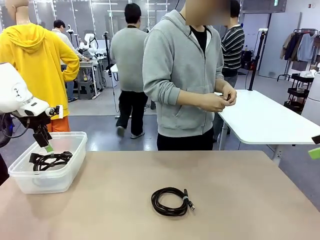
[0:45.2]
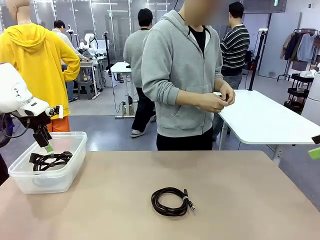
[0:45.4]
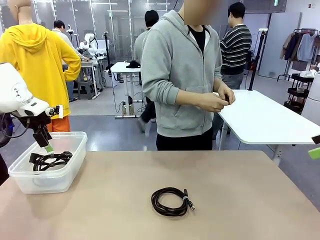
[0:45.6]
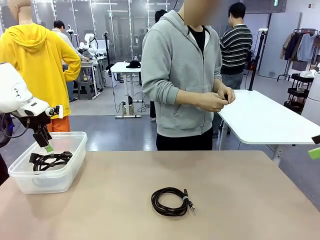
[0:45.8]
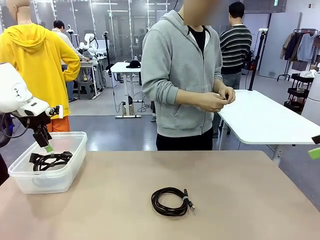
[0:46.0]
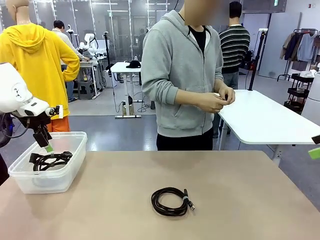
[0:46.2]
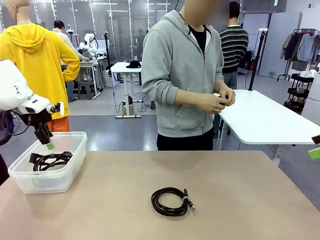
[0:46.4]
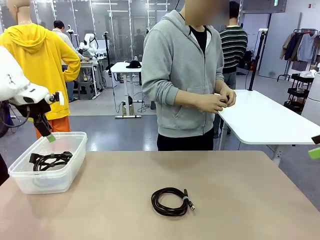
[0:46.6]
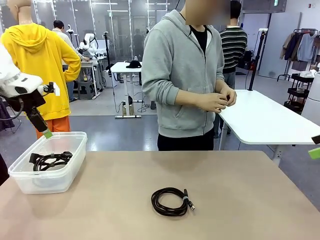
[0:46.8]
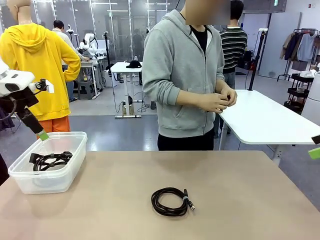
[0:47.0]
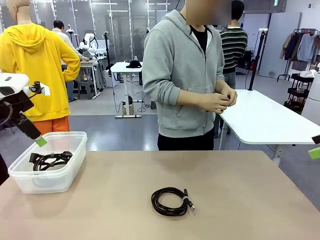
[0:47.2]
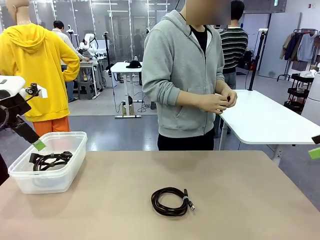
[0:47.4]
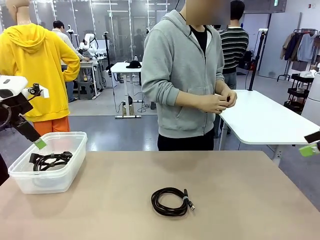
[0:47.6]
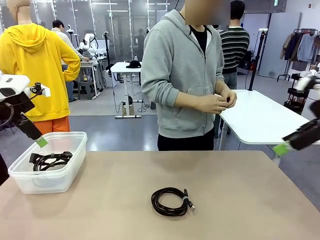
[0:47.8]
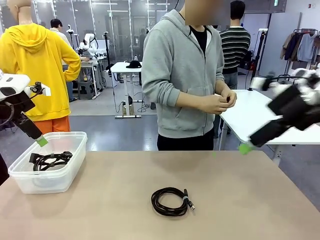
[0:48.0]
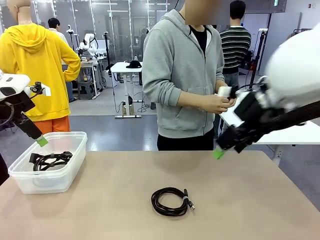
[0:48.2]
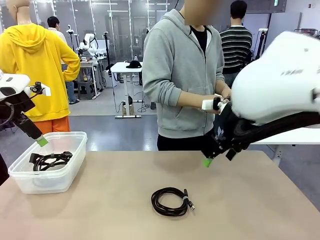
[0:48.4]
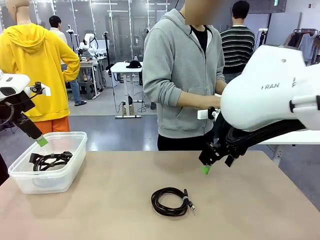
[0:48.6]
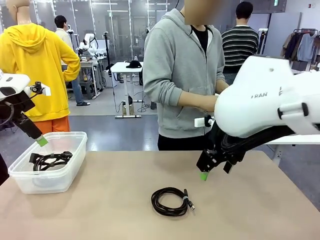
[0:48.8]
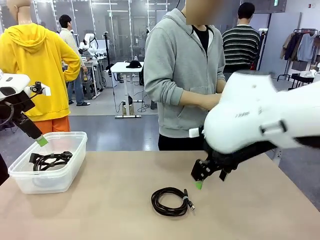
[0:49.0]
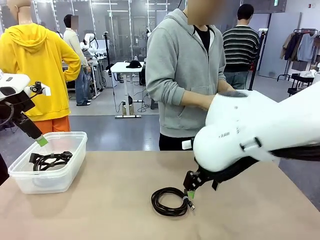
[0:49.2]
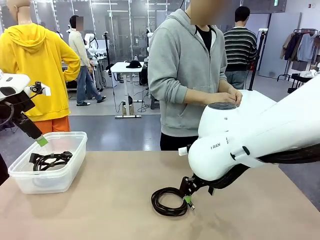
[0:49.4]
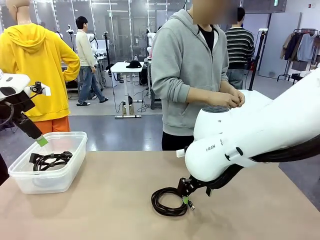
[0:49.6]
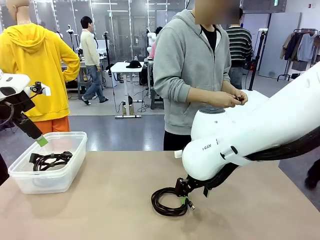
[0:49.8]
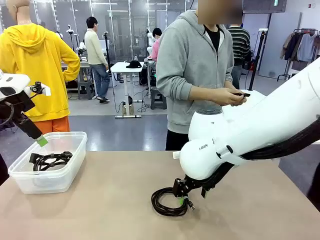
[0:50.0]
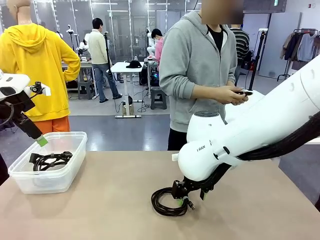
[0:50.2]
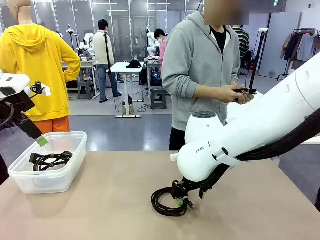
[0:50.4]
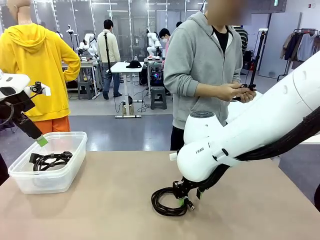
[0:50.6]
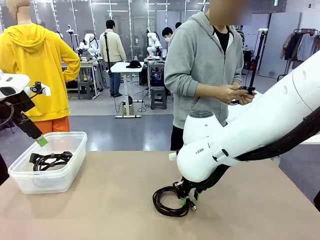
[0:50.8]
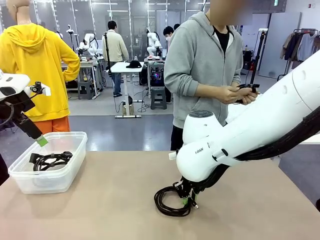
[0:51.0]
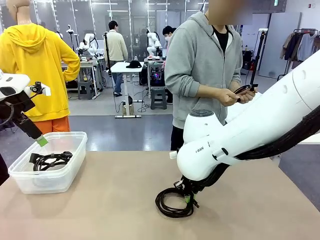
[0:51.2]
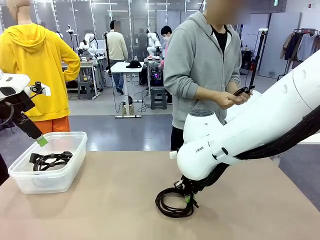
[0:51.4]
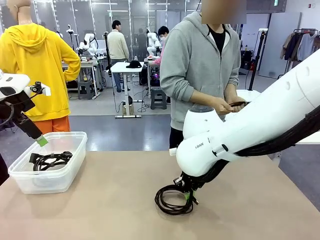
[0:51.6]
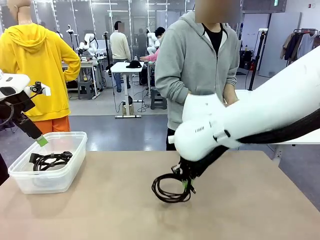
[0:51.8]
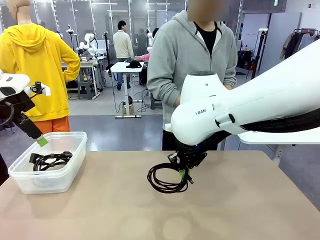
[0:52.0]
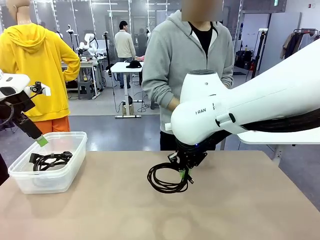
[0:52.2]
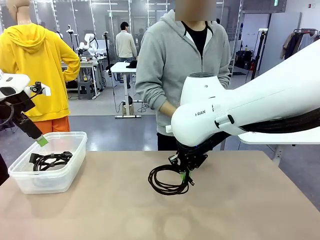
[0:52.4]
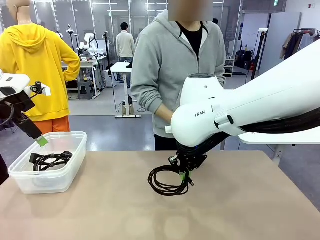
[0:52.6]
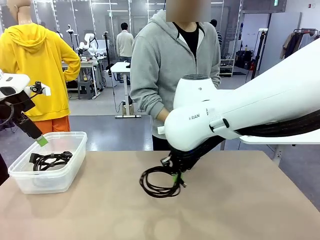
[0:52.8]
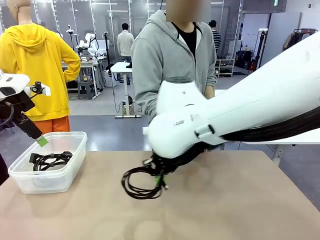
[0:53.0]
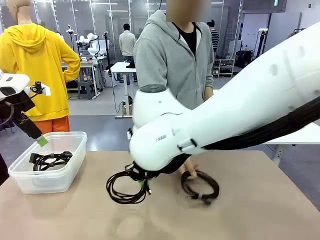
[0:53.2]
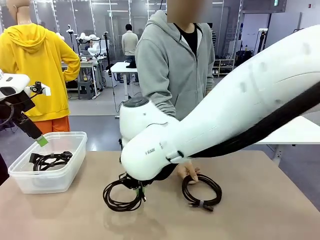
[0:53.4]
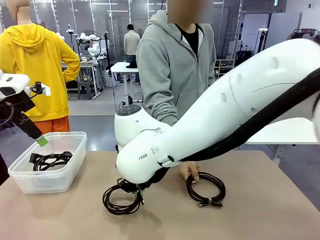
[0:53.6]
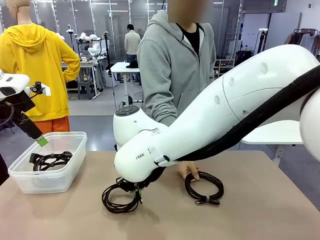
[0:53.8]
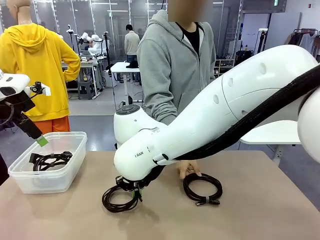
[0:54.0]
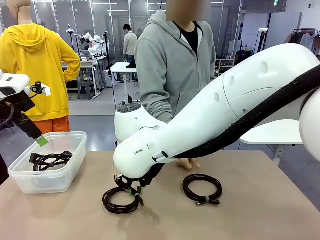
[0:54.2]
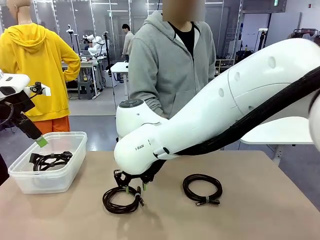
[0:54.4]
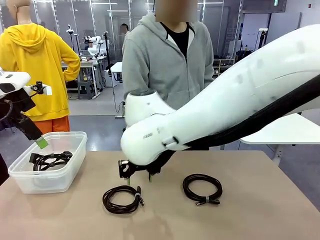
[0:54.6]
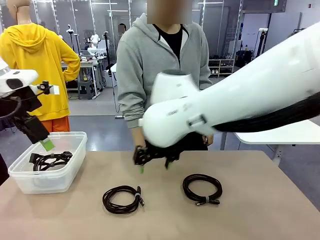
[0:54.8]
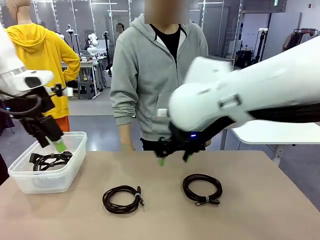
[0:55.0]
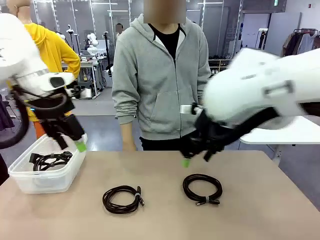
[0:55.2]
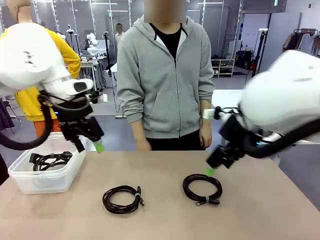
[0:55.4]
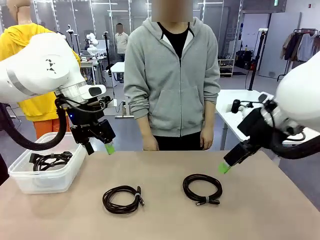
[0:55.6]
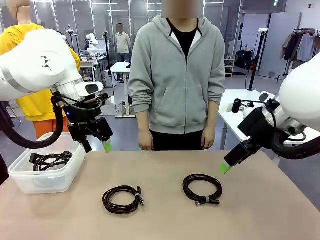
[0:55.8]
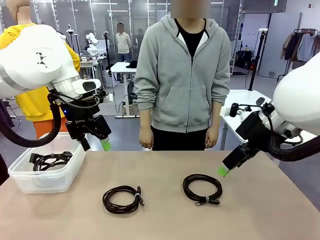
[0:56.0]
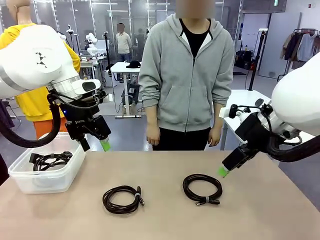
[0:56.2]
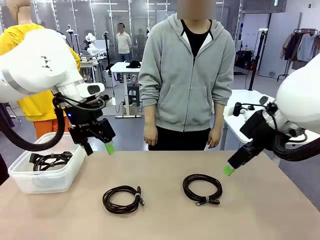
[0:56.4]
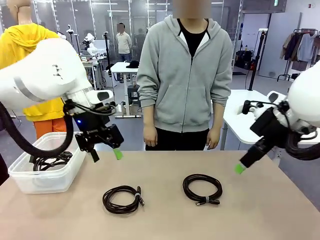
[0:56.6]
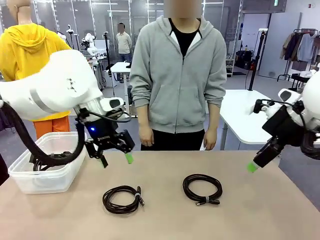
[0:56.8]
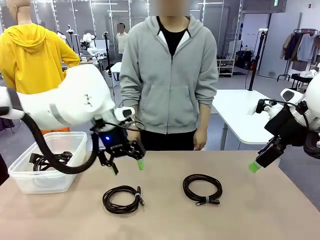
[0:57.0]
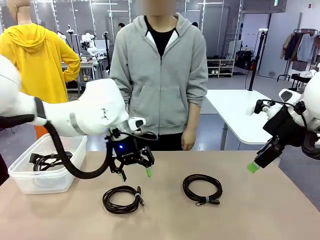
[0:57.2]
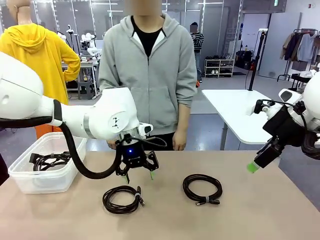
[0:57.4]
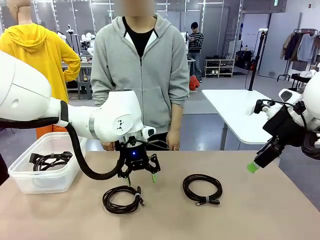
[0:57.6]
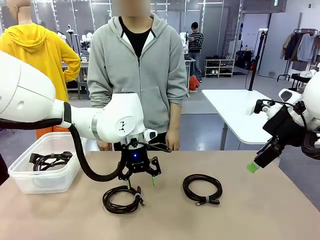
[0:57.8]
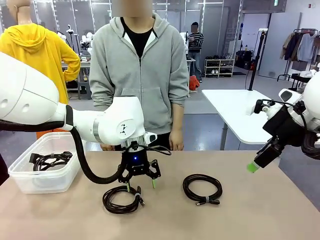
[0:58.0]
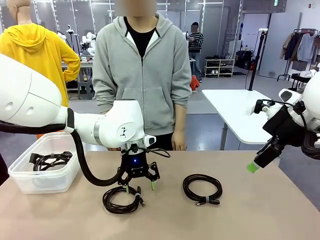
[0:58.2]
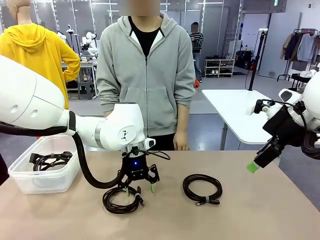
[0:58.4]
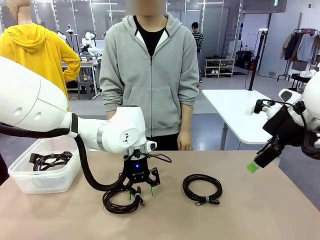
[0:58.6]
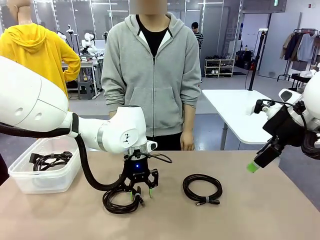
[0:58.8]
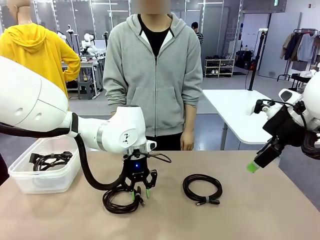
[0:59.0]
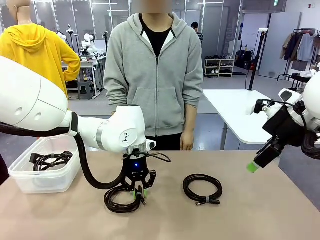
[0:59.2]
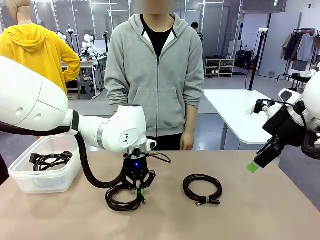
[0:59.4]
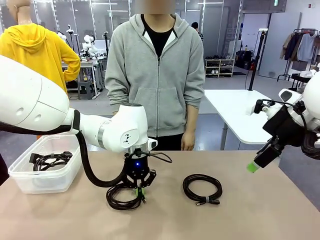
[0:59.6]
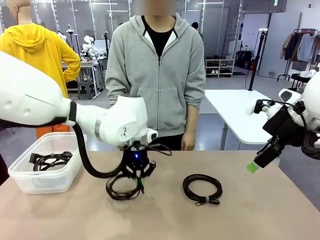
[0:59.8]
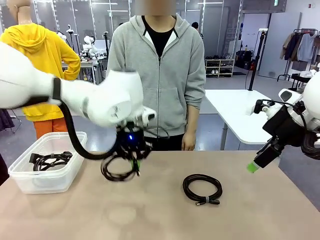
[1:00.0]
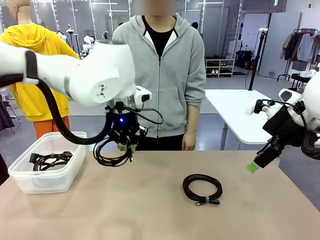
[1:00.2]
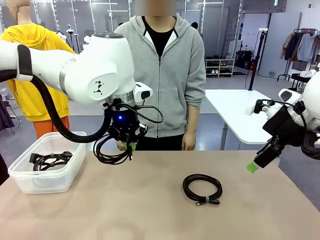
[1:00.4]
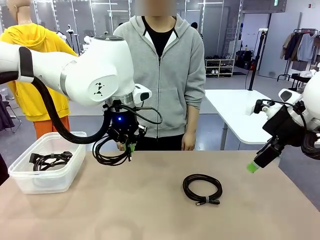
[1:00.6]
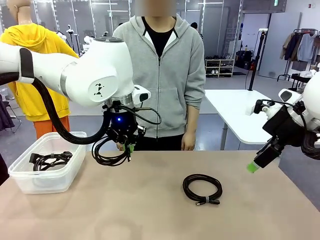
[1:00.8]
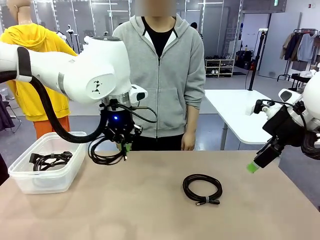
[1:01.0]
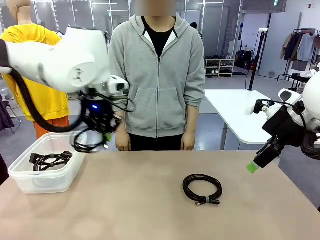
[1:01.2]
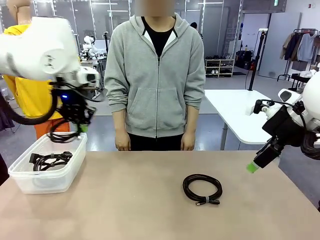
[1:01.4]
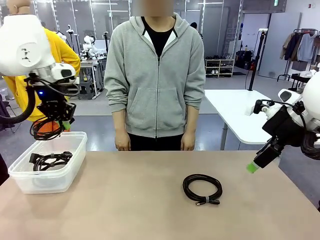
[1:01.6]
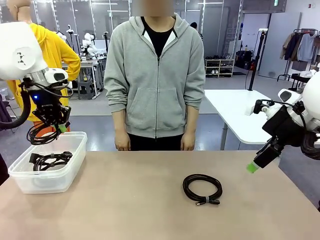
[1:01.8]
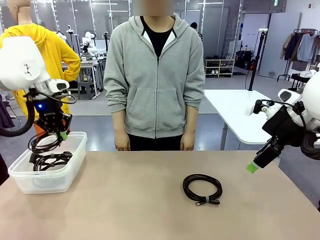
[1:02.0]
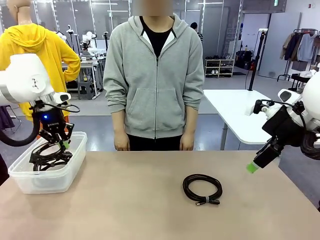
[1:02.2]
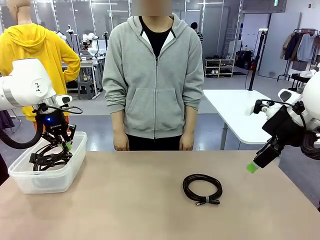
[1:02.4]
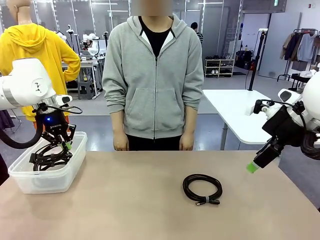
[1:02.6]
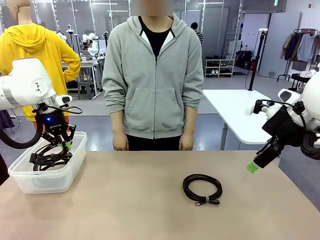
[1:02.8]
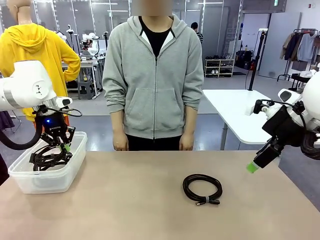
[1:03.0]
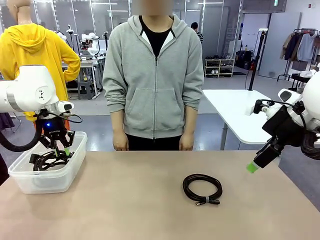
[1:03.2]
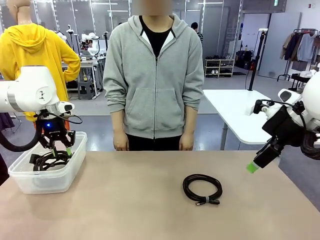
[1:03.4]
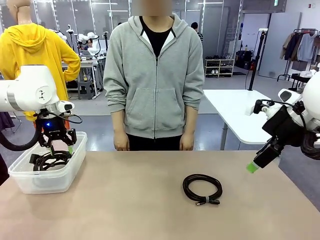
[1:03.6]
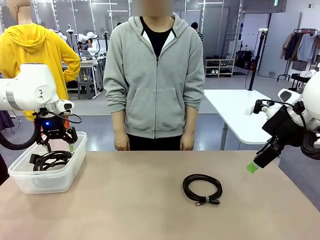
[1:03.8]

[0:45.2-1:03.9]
Task: Organize and store the cables.
Robot: Place the USB Extension Cable into the Organizing box.
